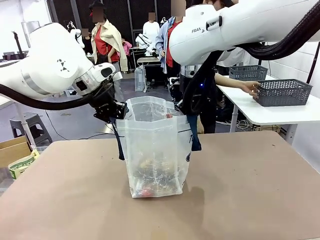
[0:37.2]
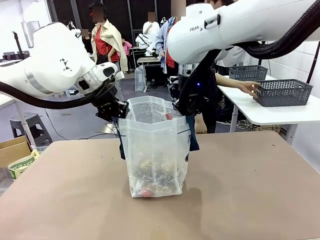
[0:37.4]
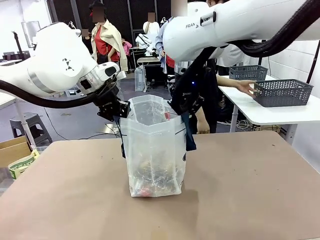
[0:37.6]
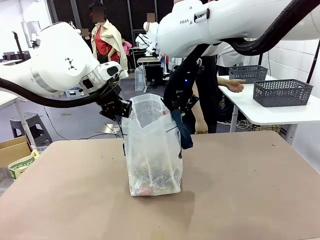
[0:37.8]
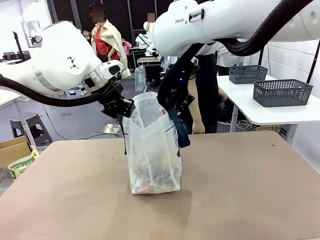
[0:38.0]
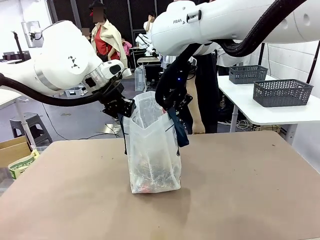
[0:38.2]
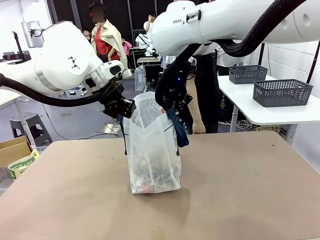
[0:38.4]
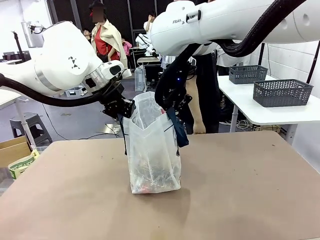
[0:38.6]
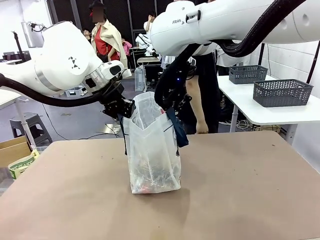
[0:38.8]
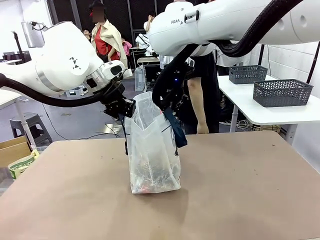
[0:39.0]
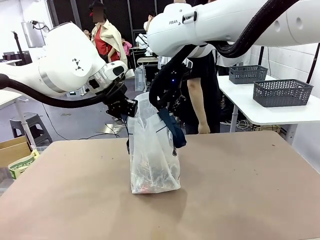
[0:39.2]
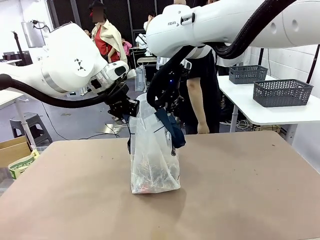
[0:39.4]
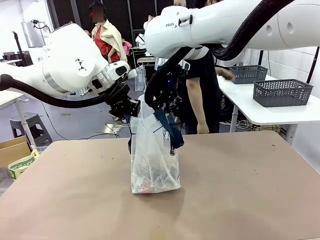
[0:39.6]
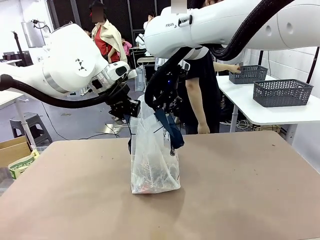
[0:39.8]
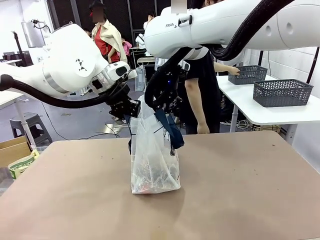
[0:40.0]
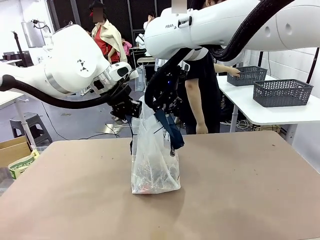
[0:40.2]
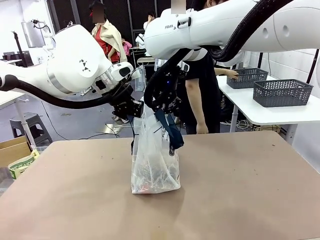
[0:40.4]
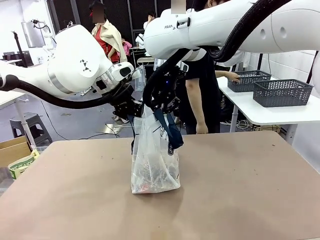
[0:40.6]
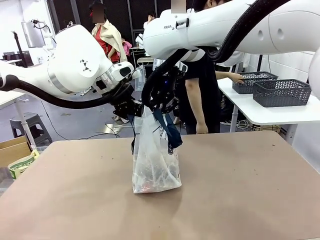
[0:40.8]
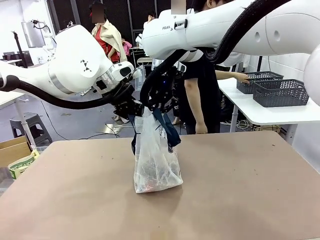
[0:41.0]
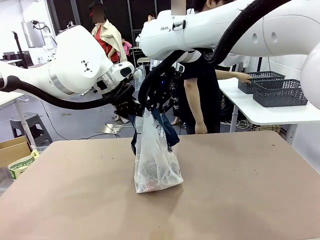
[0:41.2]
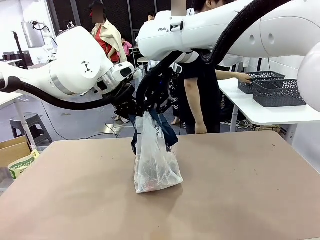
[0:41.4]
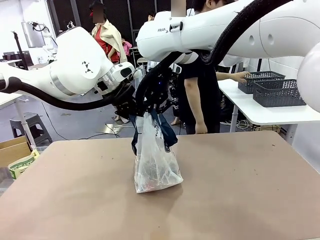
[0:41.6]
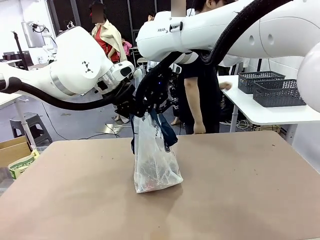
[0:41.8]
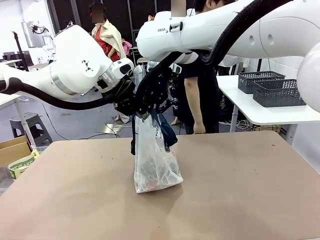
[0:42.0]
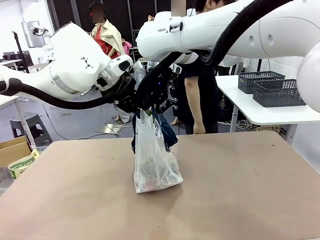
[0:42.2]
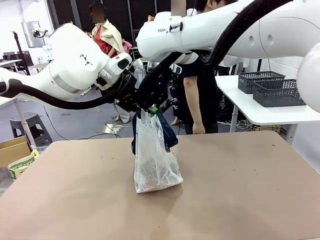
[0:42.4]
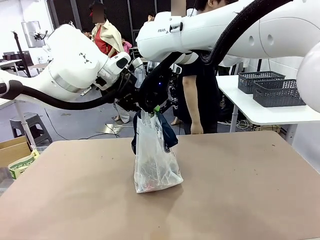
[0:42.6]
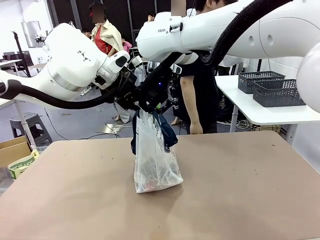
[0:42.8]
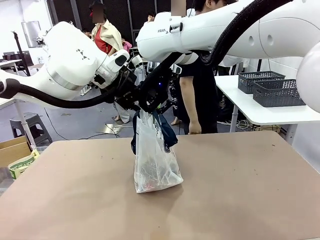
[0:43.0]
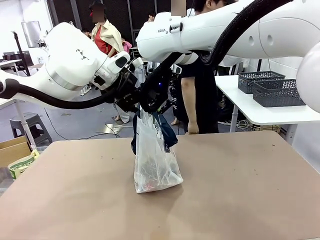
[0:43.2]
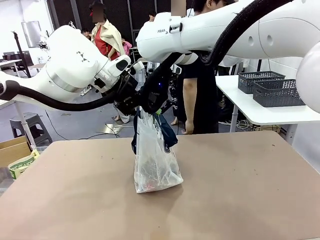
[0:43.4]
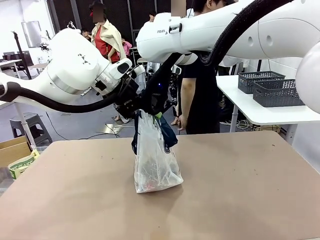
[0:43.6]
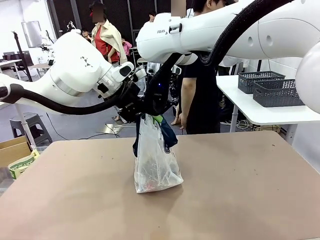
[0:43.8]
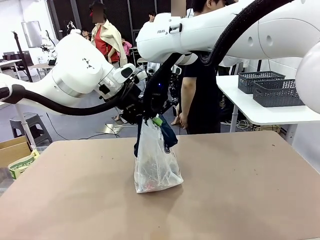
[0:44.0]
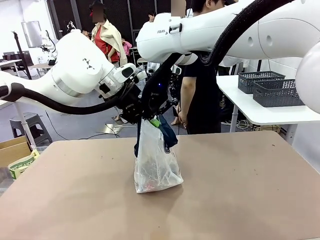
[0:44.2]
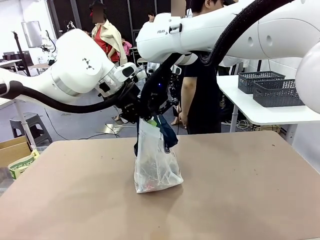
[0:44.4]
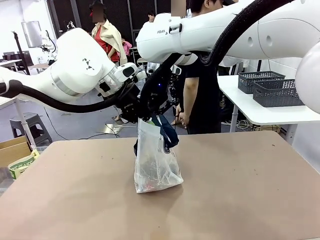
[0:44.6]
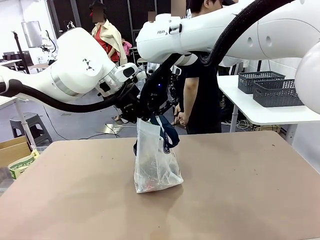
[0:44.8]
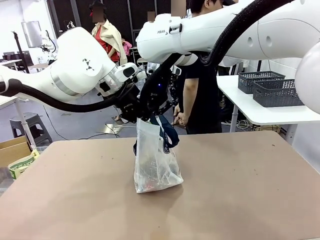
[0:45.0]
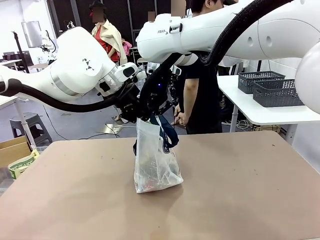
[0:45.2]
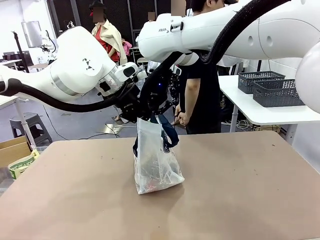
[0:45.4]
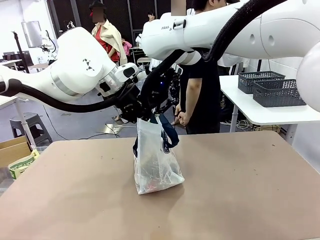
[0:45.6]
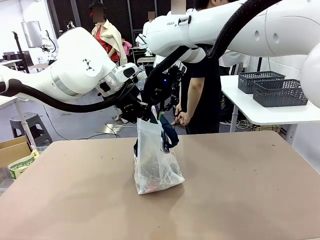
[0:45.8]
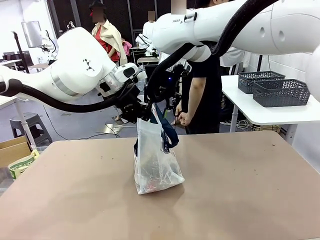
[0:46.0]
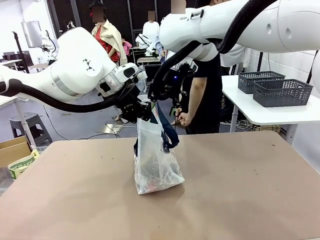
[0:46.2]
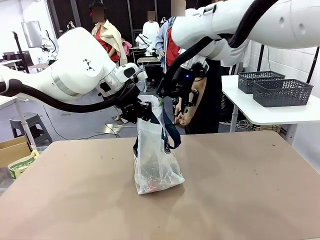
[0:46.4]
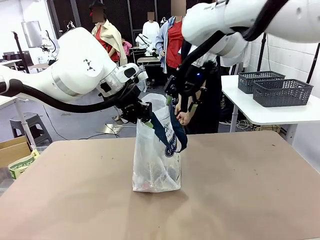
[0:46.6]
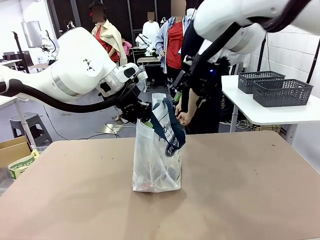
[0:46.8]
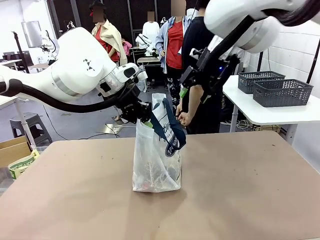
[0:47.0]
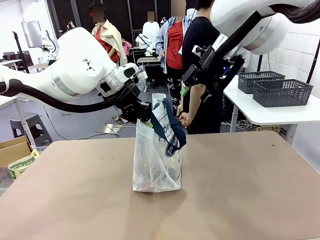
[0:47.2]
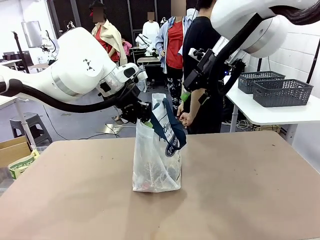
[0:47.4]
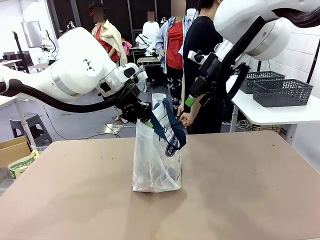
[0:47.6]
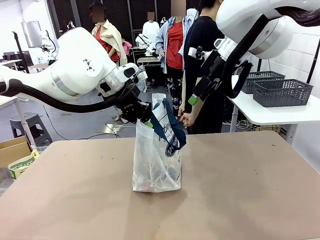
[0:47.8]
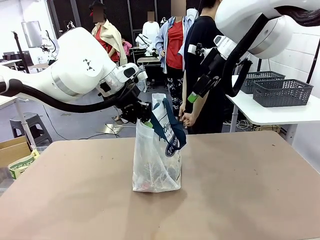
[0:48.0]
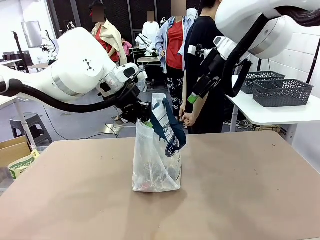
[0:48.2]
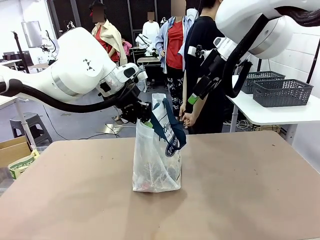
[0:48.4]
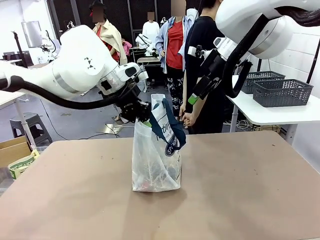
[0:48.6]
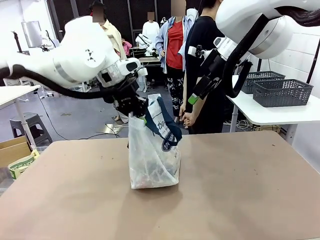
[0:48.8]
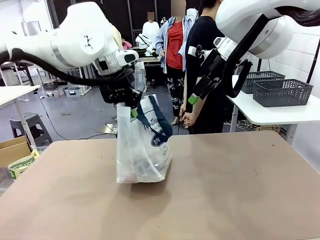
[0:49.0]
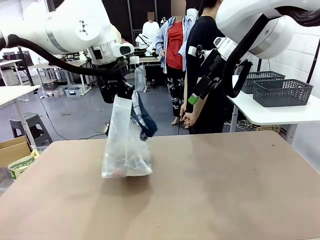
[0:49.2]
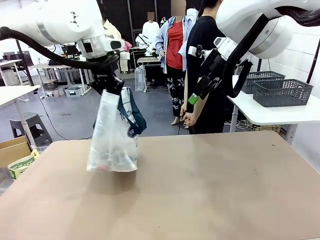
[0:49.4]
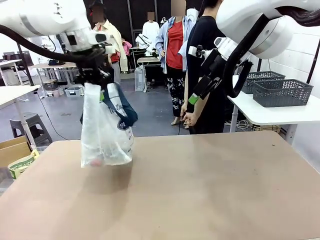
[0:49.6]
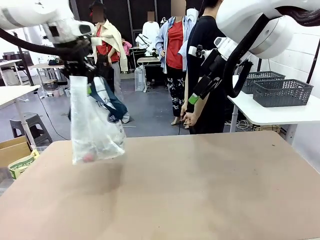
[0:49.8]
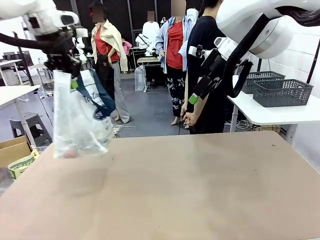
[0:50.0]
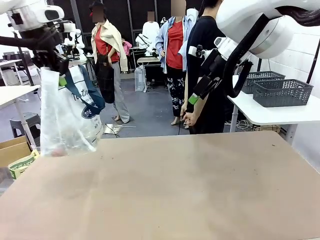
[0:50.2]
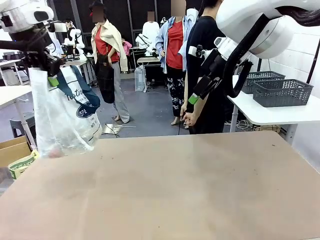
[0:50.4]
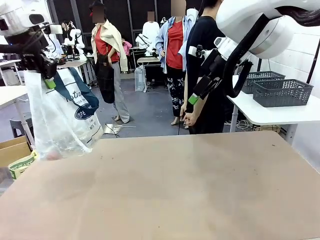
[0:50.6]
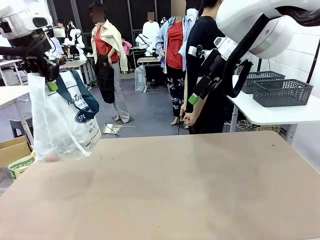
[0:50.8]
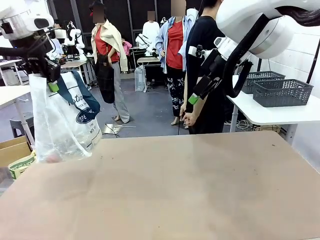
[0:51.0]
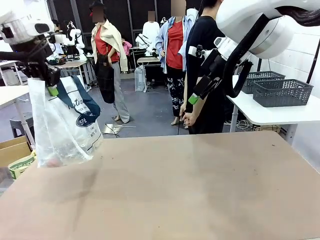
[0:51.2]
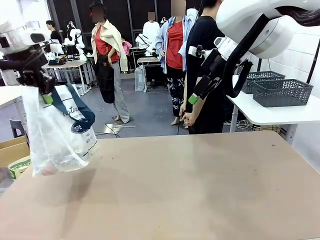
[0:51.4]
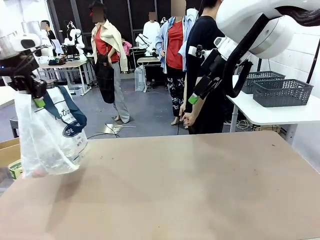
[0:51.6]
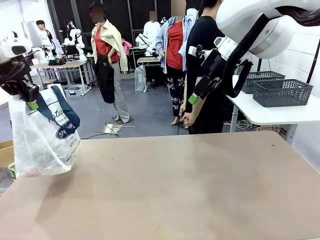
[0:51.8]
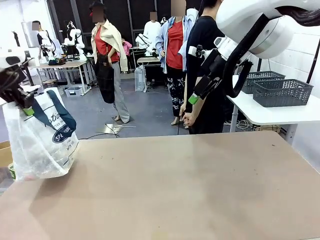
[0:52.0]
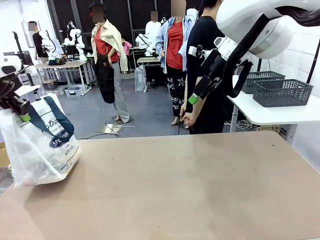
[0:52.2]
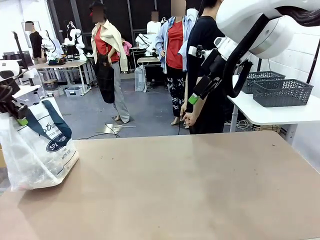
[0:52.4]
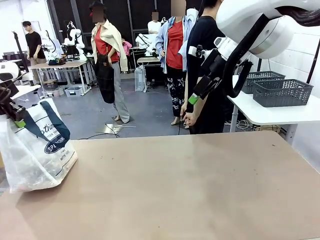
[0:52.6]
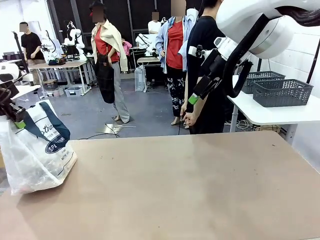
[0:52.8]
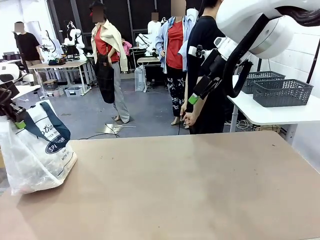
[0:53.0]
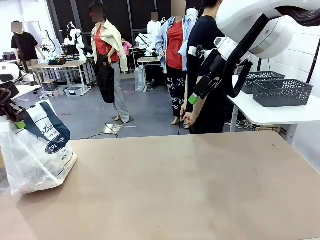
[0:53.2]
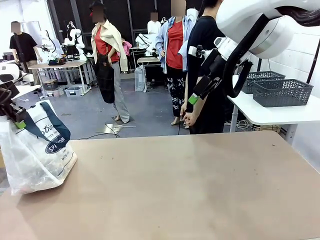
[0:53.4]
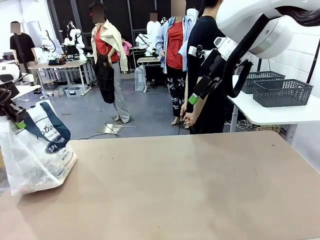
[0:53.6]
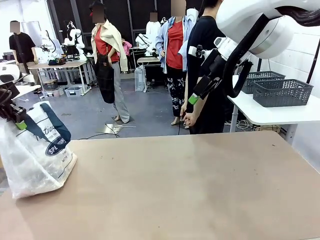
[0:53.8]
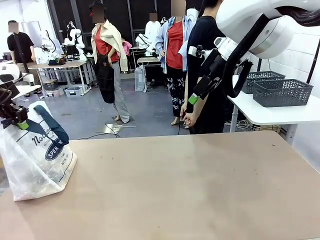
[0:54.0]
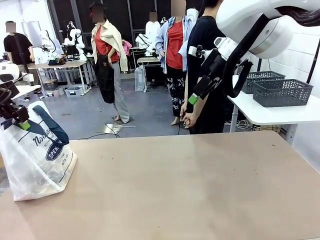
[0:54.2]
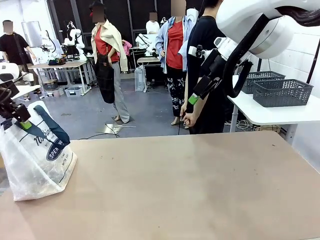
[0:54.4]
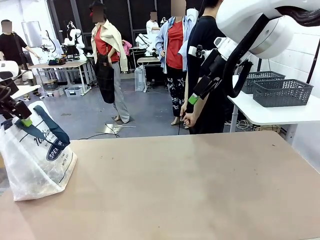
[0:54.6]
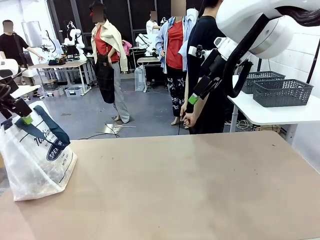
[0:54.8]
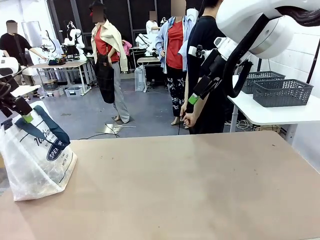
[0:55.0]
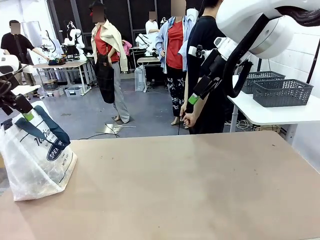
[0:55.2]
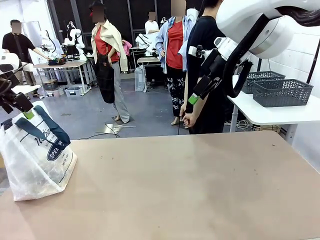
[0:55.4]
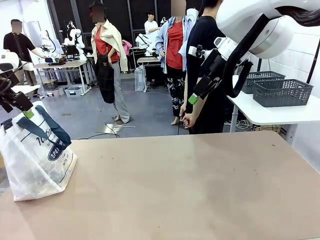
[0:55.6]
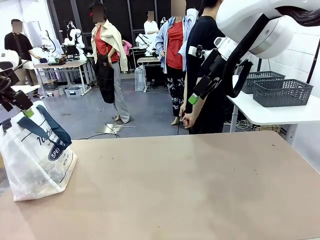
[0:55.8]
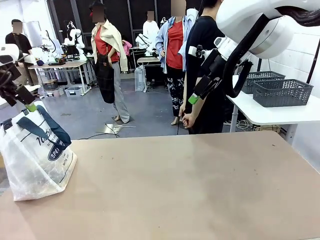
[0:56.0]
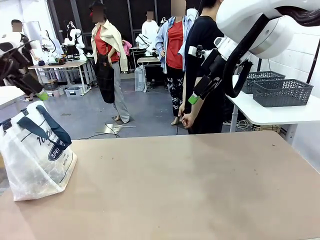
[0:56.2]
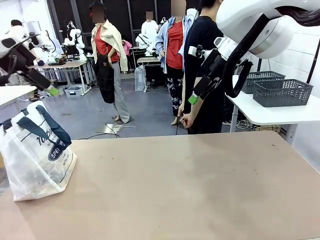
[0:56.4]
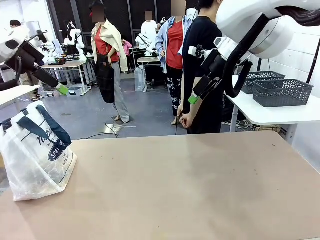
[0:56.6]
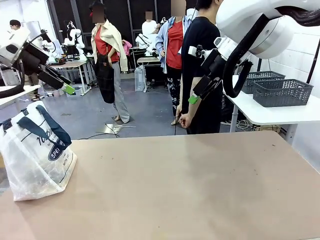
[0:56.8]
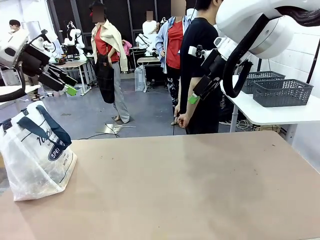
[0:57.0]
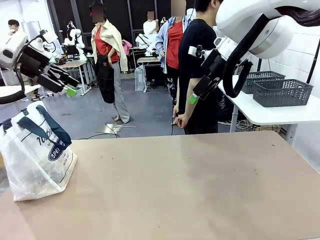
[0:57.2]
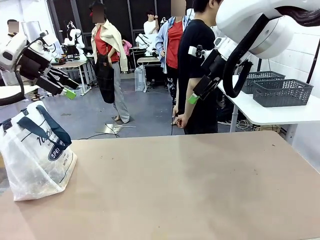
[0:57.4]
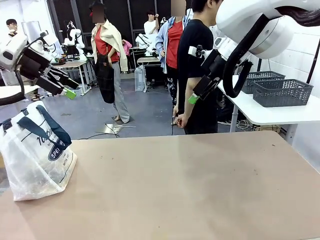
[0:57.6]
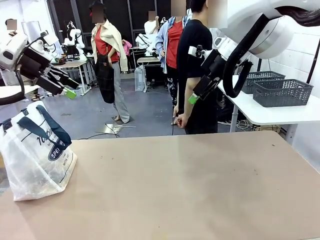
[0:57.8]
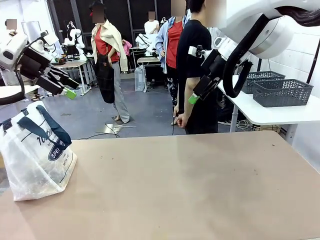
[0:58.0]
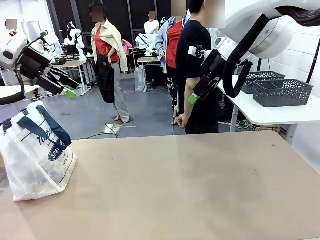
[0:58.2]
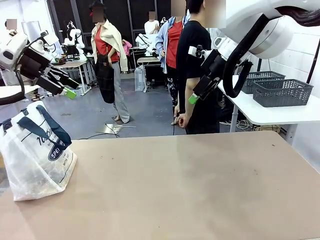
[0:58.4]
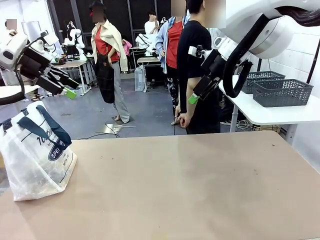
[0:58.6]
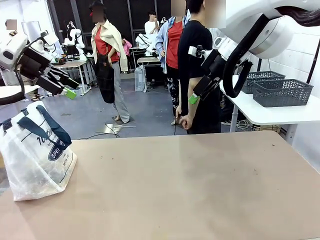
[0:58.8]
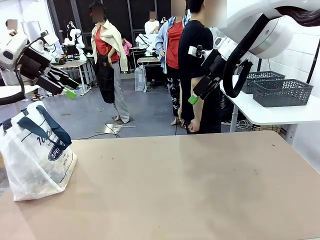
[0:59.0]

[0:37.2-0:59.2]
Task: Transfer purchased items from the store into the shopping bag.
Robot: Move the Reusable shopping bag to the right side of the table.
Person: Move the basket on the left to the middle of the person's table.
